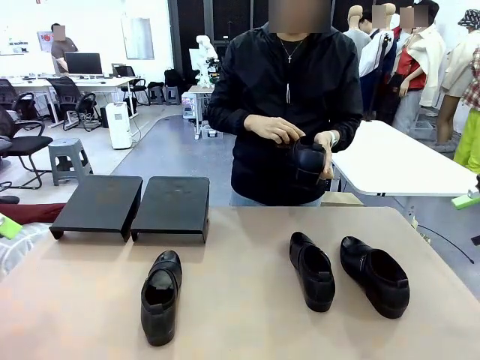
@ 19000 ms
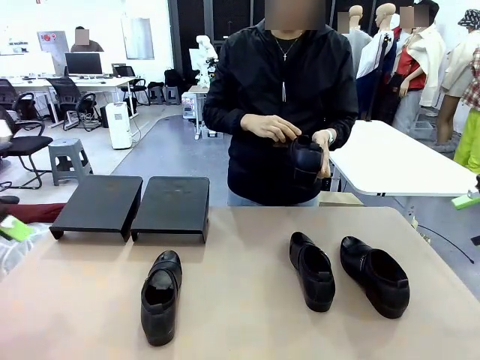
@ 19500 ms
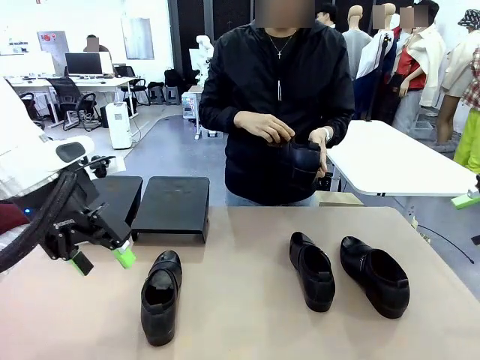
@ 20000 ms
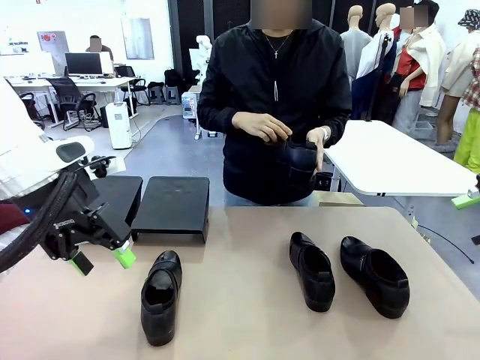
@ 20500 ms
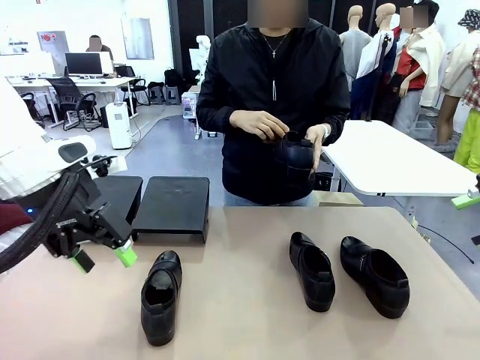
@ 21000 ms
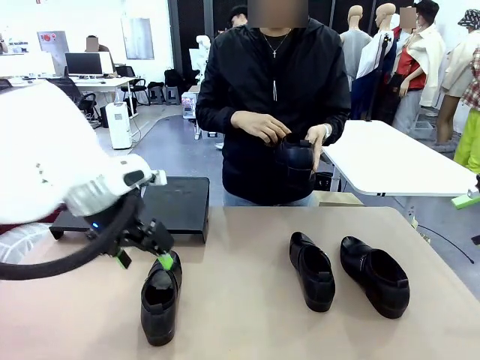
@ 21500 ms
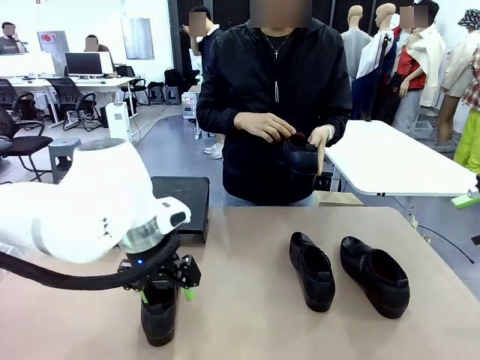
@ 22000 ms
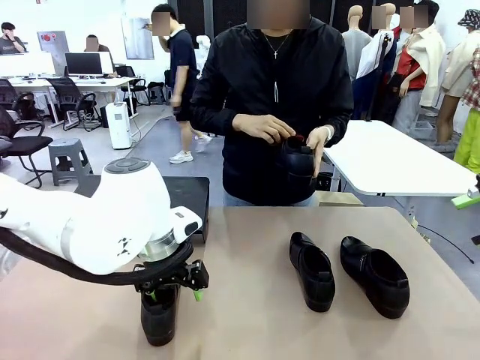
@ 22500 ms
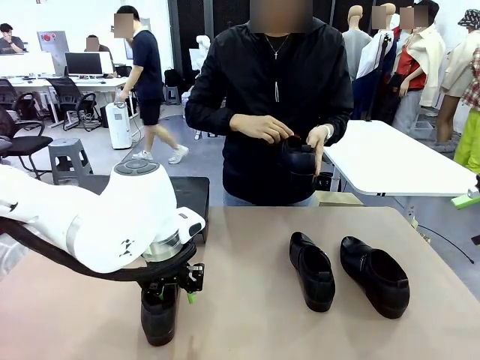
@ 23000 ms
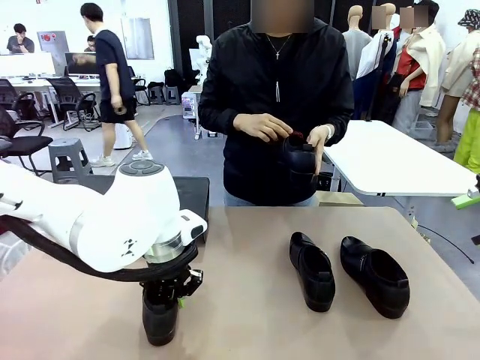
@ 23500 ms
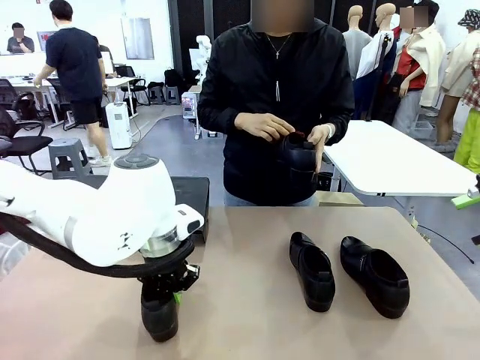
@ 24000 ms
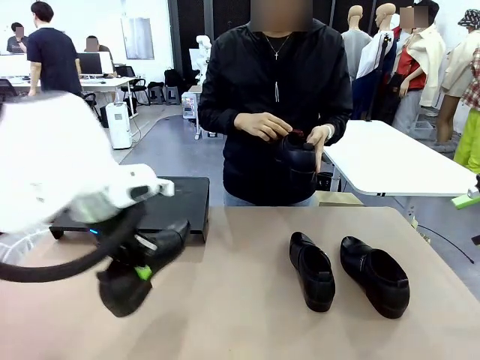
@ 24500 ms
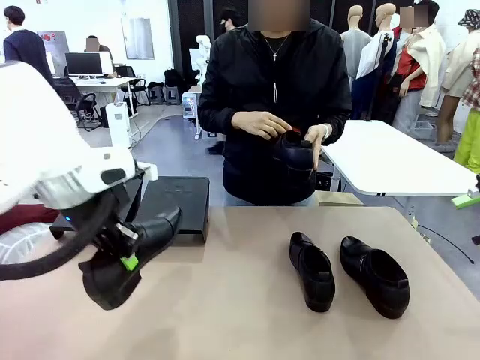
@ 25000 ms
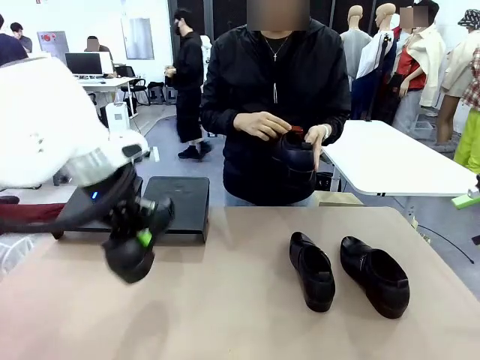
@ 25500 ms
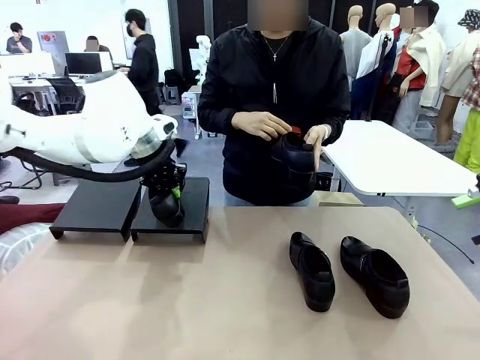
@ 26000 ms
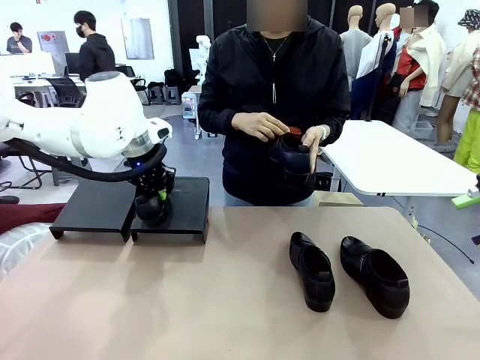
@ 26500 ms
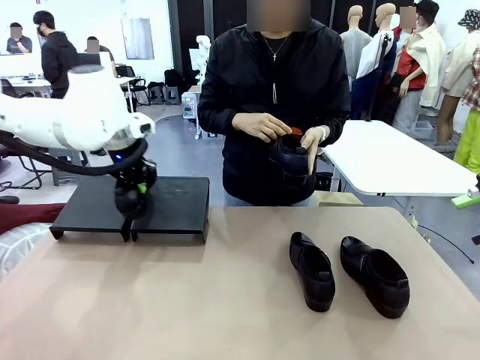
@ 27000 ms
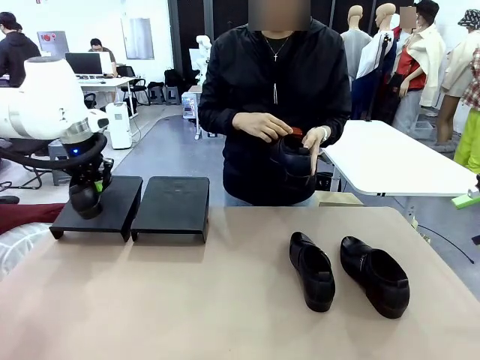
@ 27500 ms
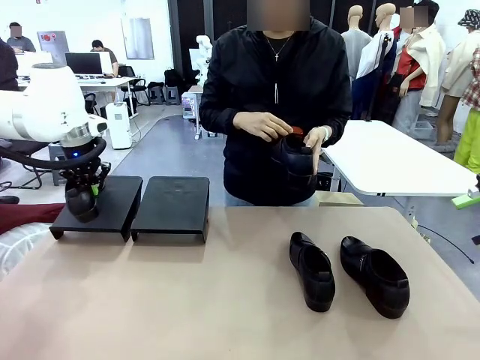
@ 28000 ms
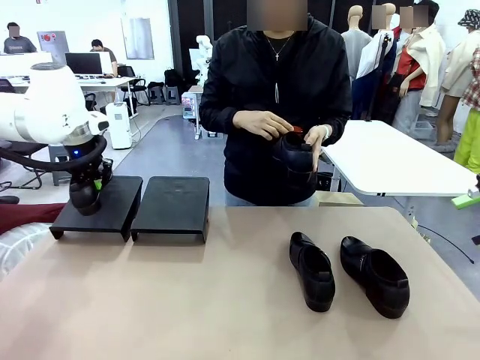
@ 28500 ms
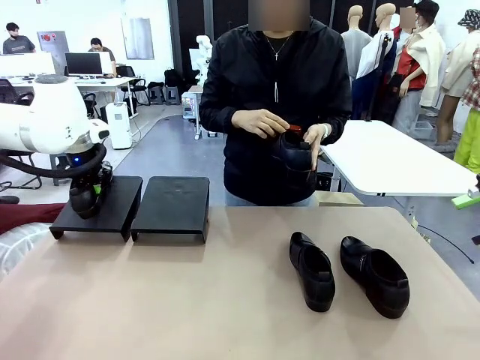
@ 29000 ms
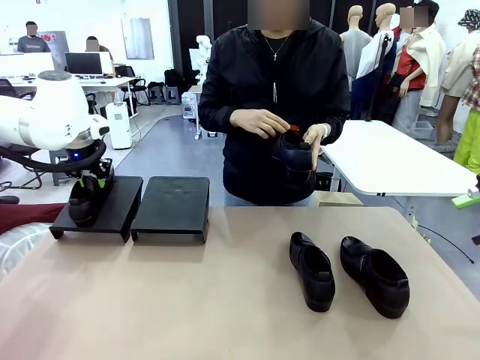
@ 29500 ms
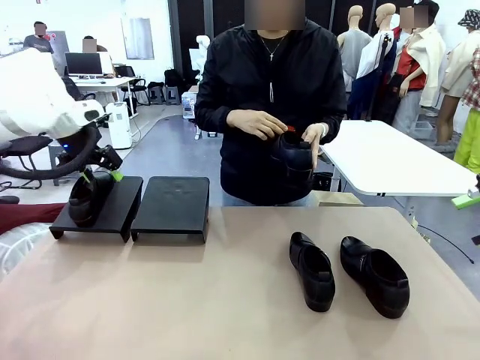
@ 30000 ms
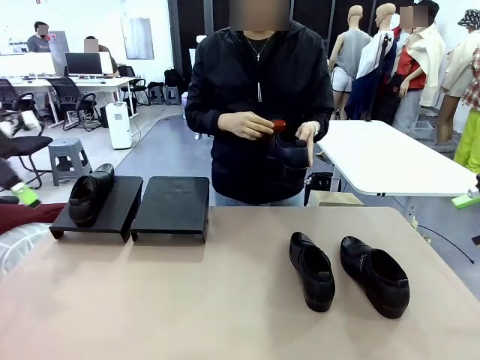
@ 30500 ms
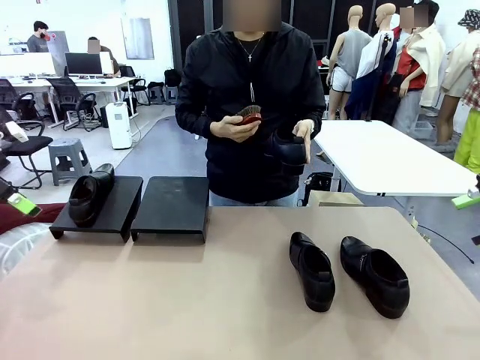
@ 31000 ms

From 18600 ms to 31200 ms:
Task: Organize the shoes by placing them on the stand.
Robot: Place the Shoe from the middle of the table onto the Shoes Stand.
Person: Clean the Shoe with the Shoe Brush.

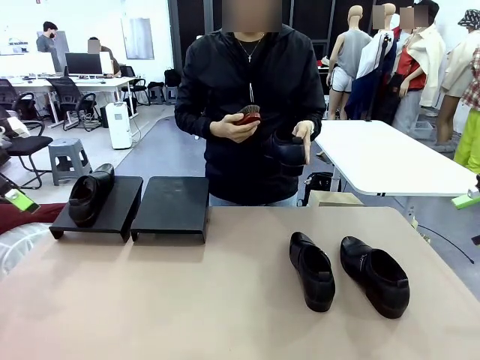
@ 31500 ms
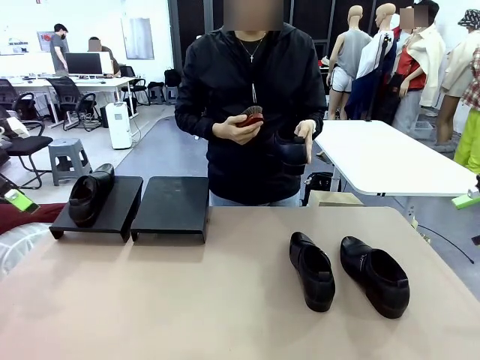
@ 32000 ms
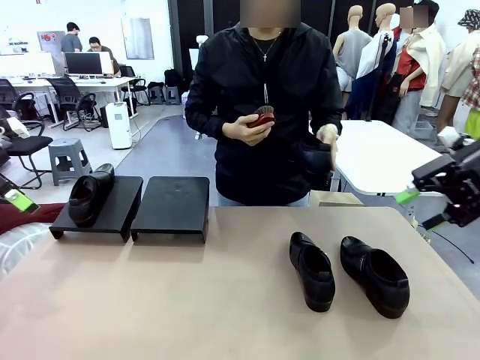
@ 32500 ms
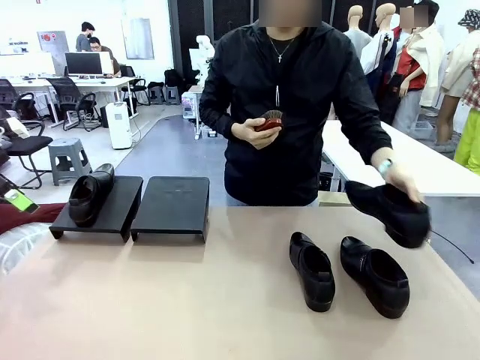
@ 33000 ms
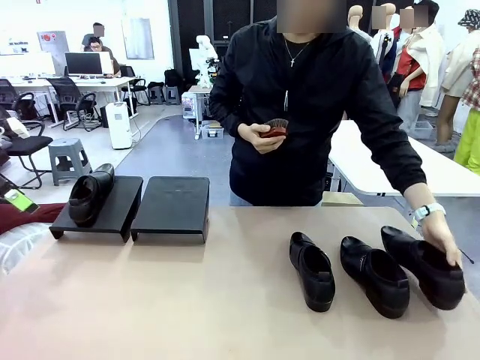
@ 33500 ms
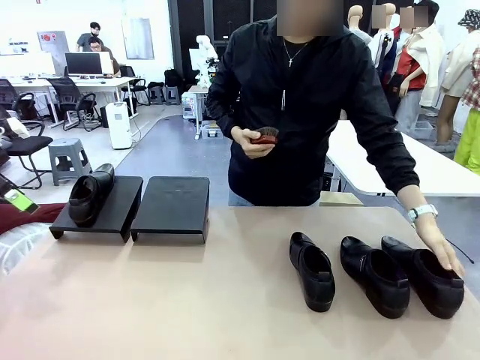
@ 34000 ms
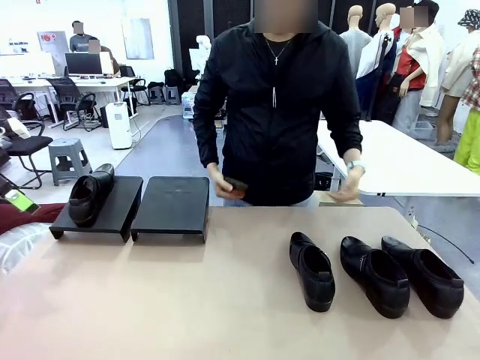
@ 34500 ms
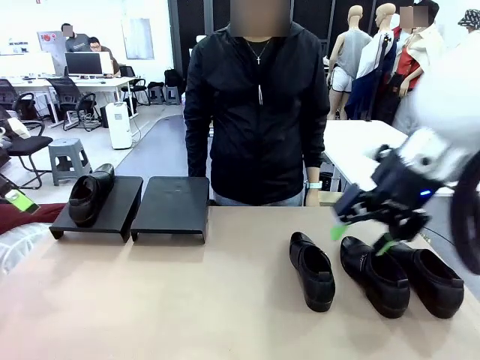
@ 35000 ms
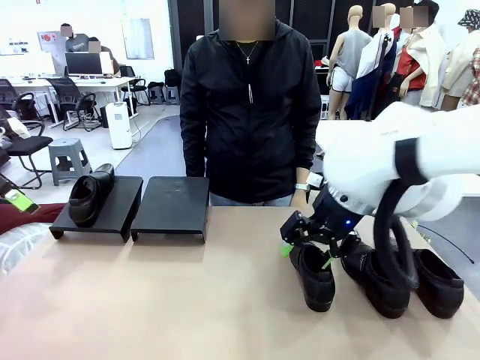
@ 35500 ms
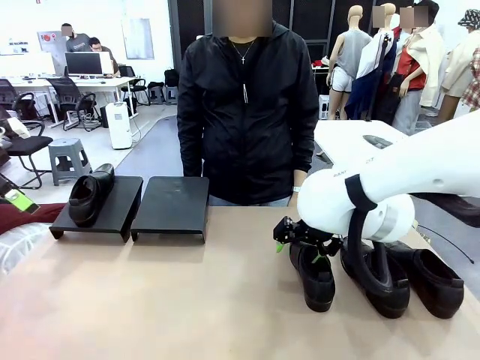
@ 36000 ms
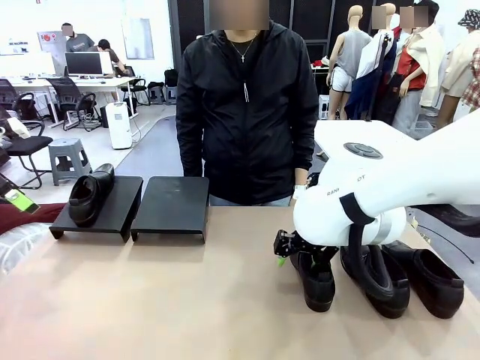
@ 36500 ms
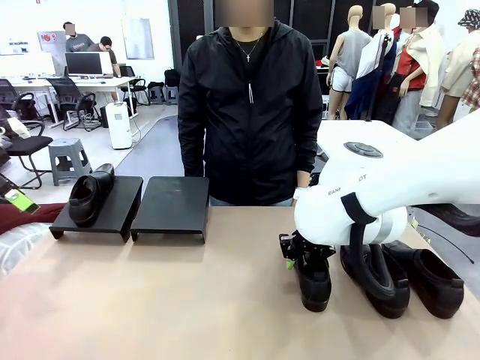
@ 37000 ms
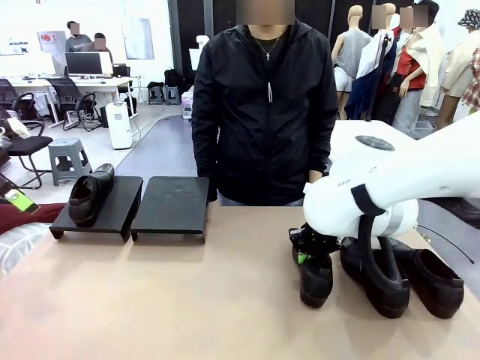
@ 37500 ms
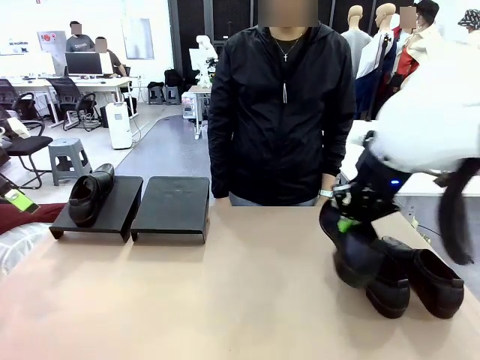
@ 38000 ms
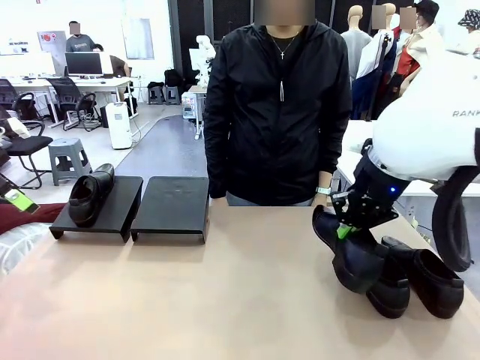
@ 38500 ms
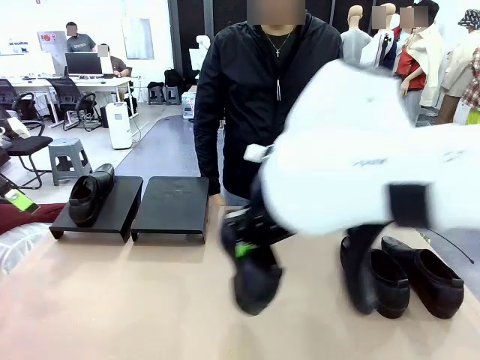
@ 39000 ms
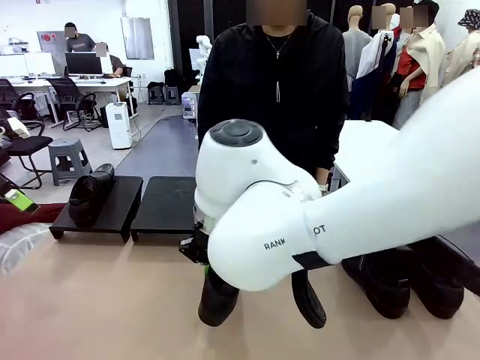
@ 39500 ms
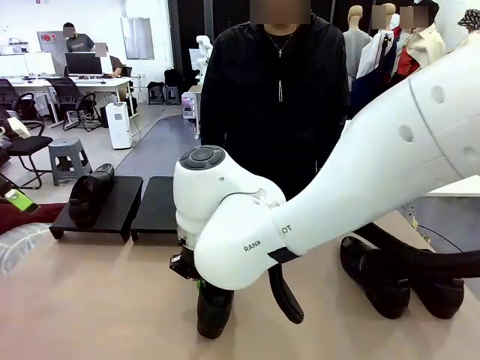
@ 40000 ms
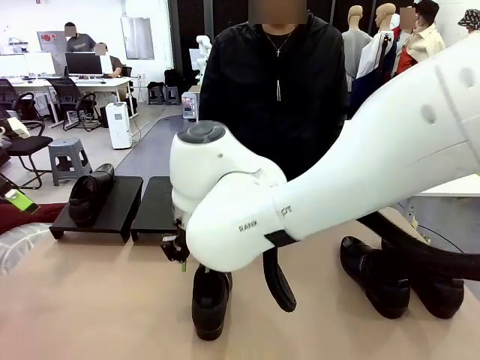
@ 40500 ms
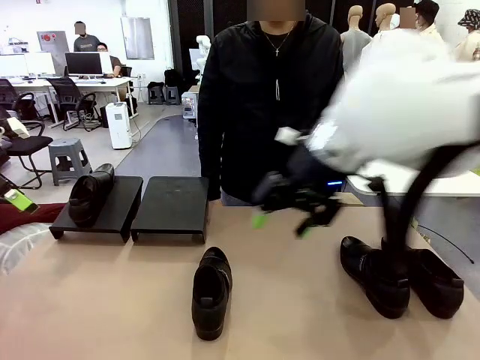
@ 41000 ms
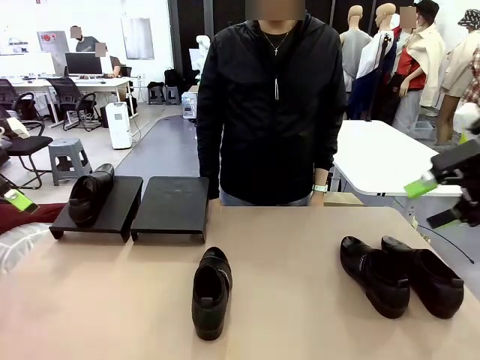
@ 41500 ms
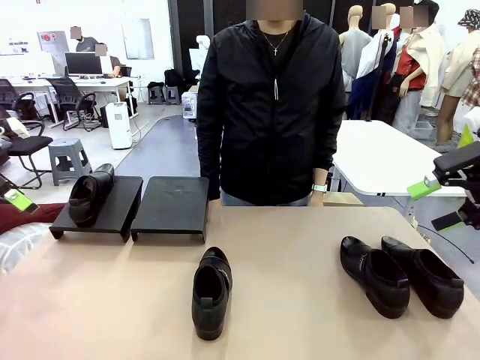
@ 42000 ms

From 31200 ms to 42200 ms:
Robot: Pick up one Shoe and place it in the middle of the table.
